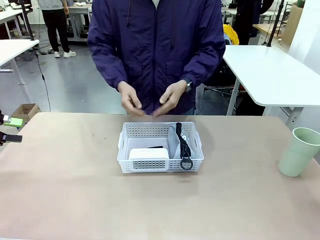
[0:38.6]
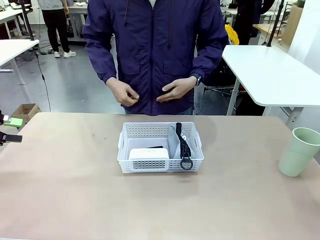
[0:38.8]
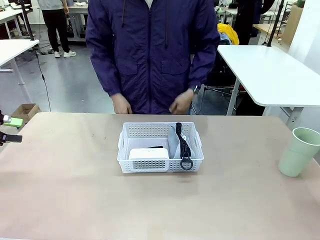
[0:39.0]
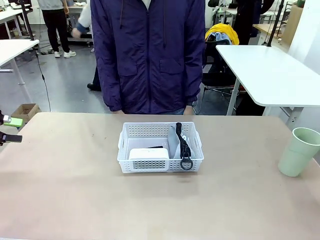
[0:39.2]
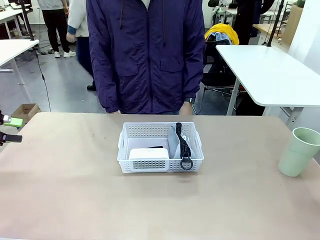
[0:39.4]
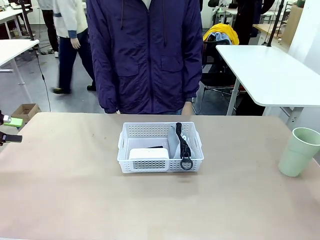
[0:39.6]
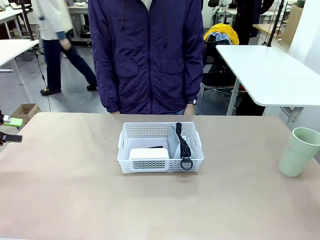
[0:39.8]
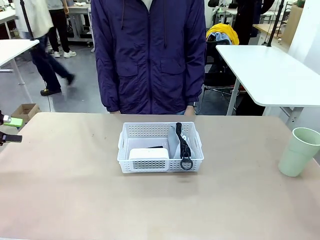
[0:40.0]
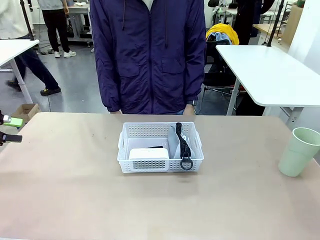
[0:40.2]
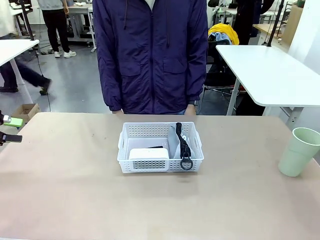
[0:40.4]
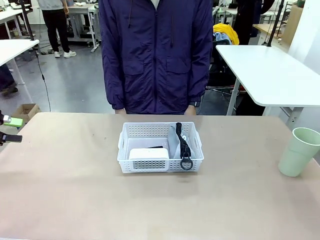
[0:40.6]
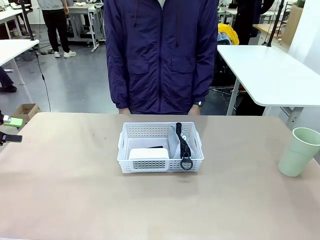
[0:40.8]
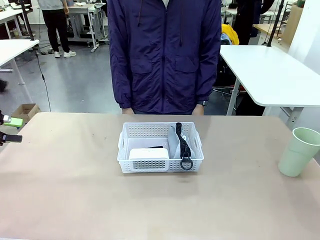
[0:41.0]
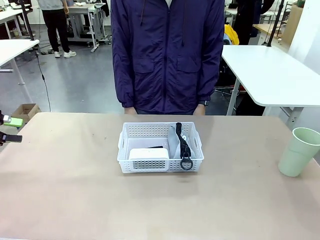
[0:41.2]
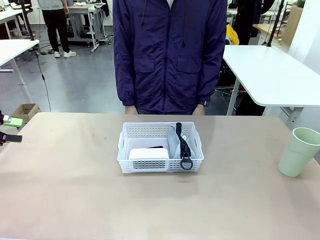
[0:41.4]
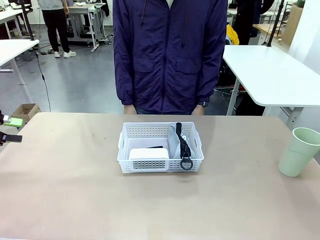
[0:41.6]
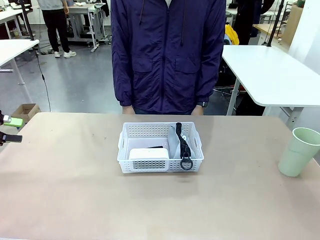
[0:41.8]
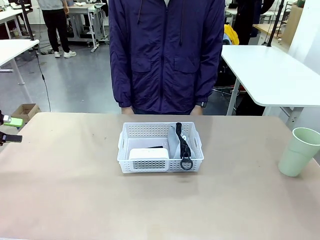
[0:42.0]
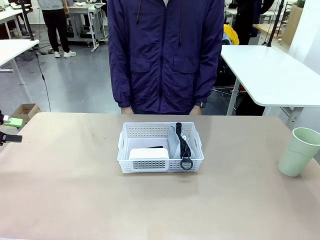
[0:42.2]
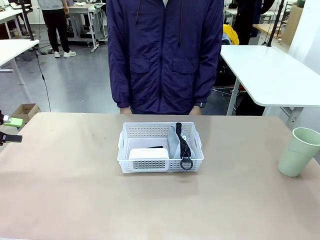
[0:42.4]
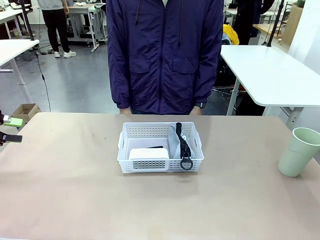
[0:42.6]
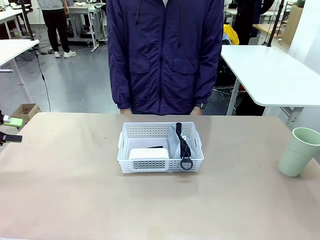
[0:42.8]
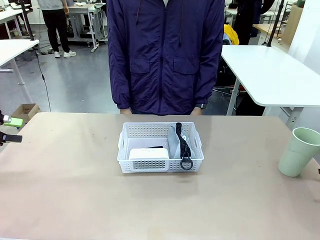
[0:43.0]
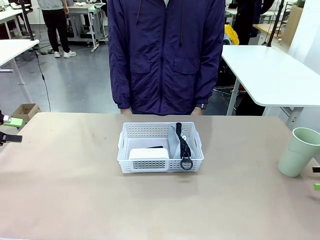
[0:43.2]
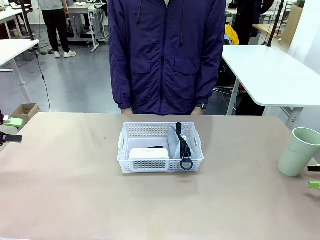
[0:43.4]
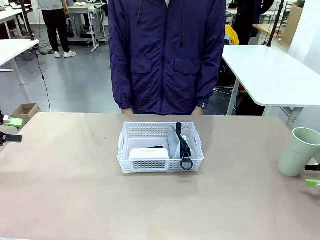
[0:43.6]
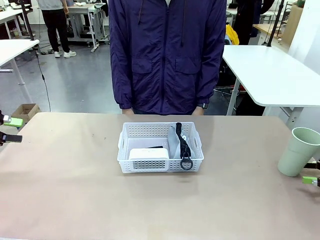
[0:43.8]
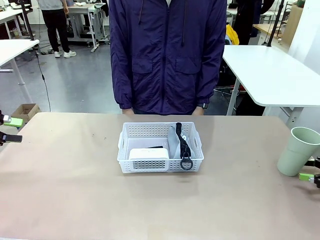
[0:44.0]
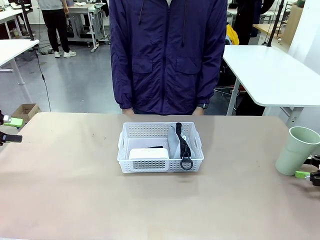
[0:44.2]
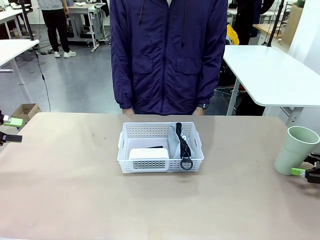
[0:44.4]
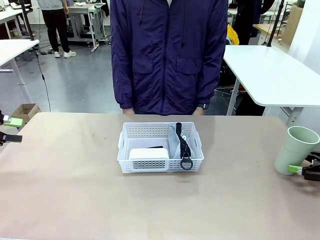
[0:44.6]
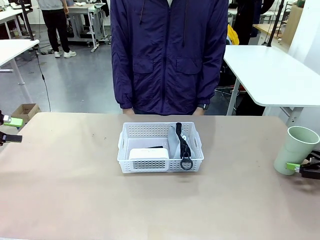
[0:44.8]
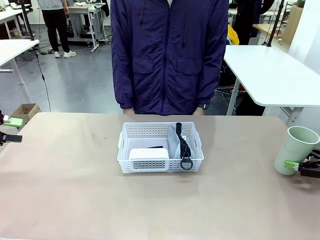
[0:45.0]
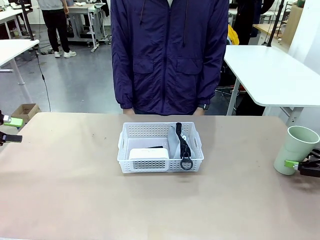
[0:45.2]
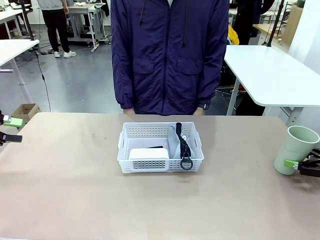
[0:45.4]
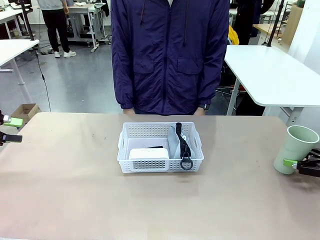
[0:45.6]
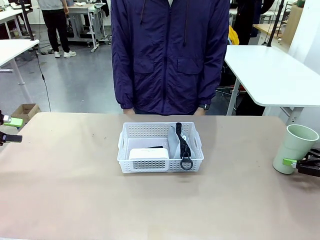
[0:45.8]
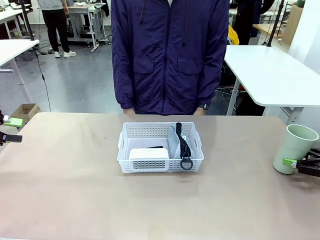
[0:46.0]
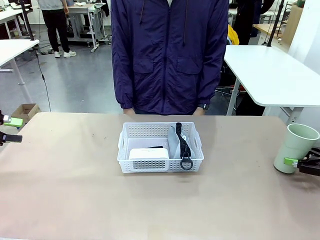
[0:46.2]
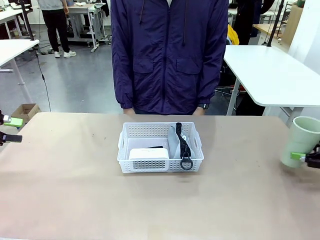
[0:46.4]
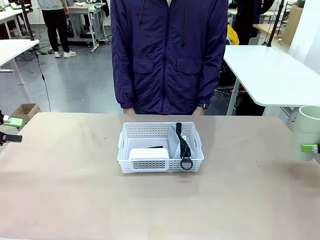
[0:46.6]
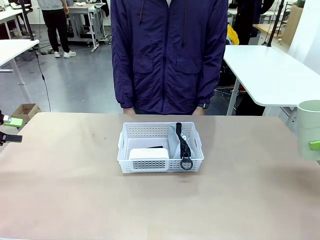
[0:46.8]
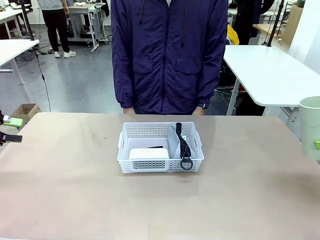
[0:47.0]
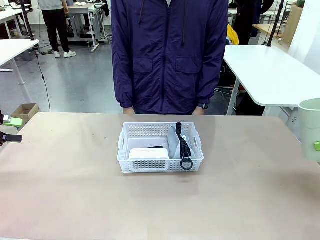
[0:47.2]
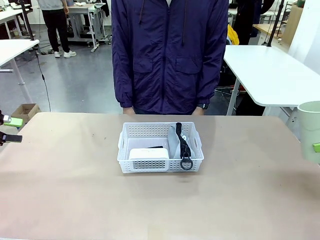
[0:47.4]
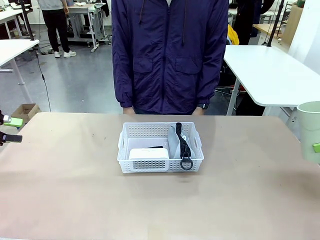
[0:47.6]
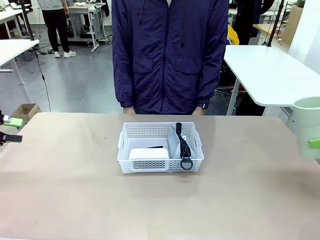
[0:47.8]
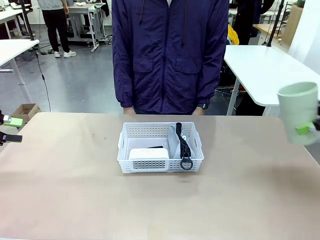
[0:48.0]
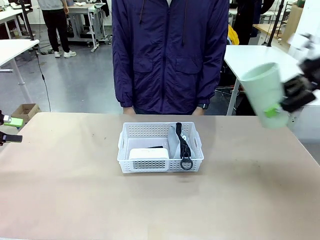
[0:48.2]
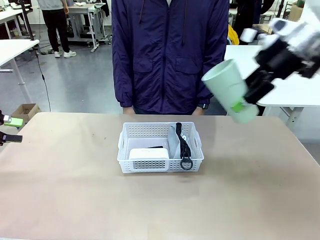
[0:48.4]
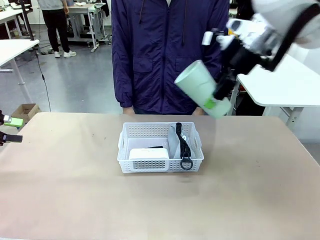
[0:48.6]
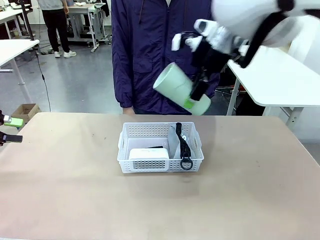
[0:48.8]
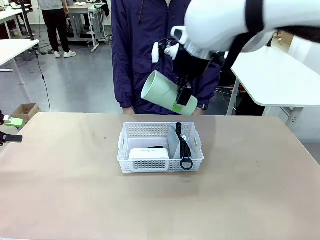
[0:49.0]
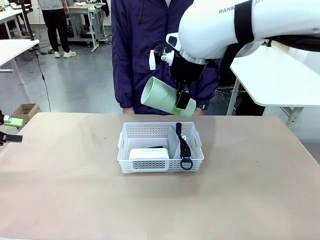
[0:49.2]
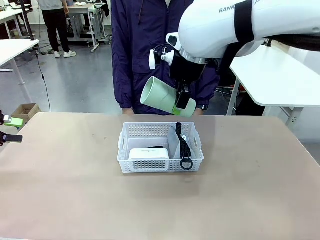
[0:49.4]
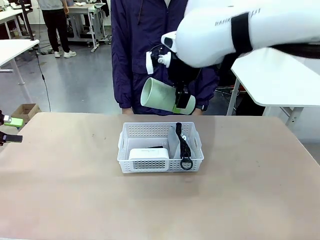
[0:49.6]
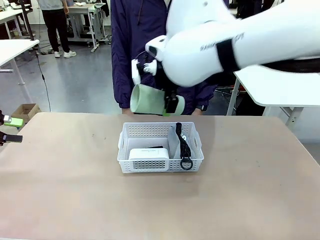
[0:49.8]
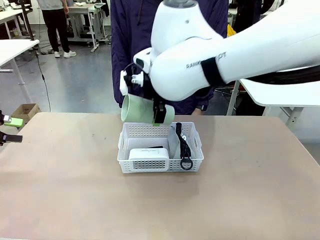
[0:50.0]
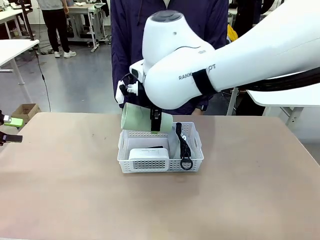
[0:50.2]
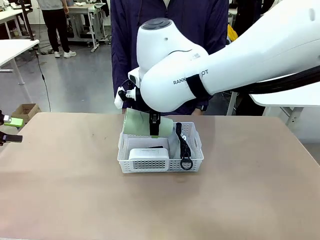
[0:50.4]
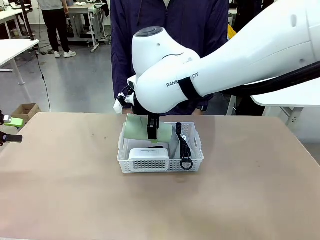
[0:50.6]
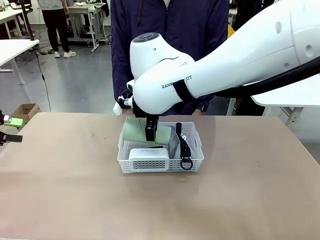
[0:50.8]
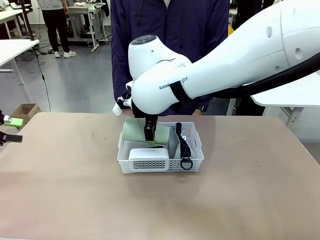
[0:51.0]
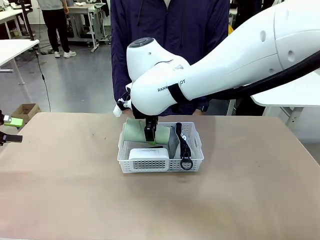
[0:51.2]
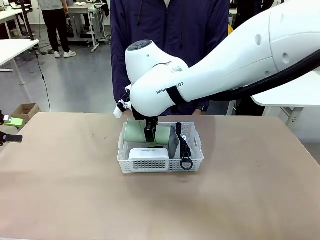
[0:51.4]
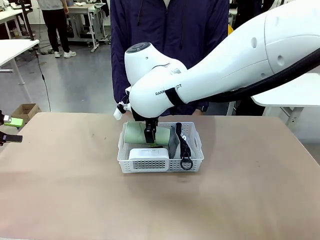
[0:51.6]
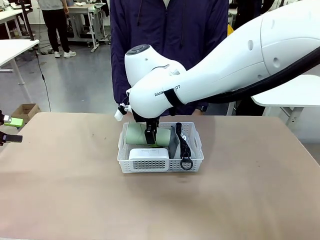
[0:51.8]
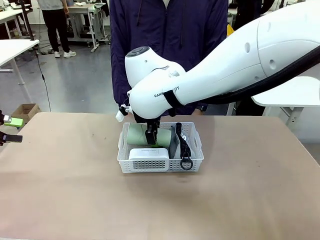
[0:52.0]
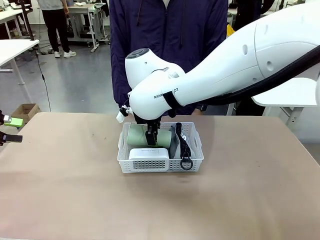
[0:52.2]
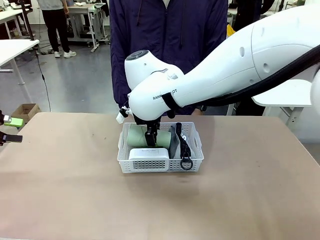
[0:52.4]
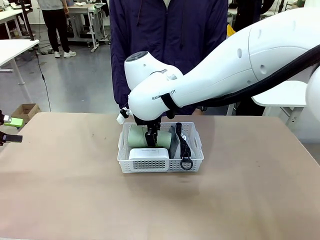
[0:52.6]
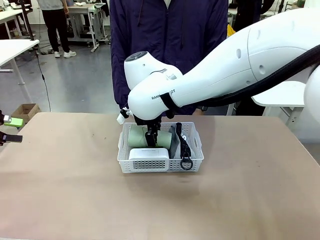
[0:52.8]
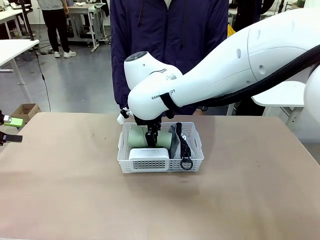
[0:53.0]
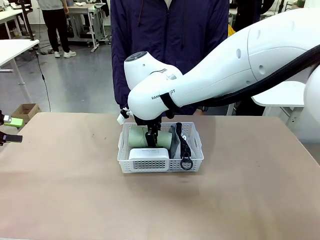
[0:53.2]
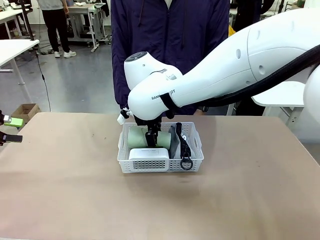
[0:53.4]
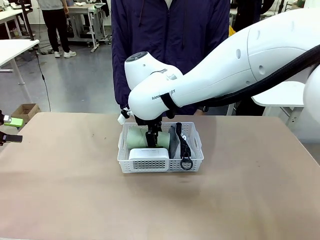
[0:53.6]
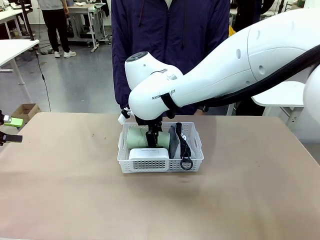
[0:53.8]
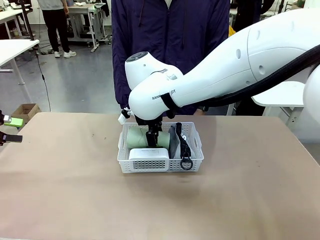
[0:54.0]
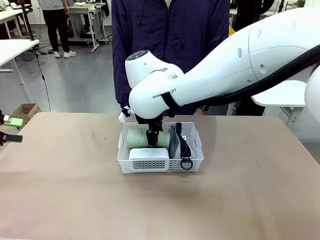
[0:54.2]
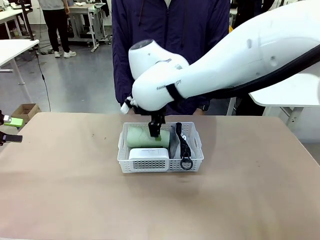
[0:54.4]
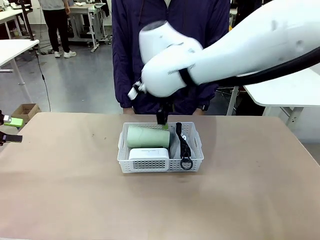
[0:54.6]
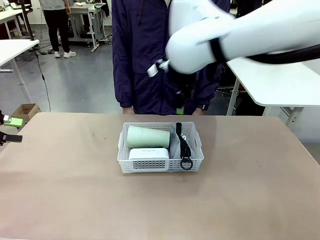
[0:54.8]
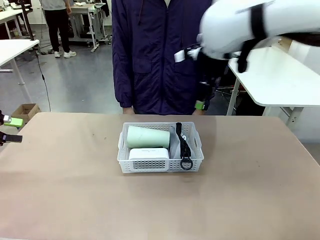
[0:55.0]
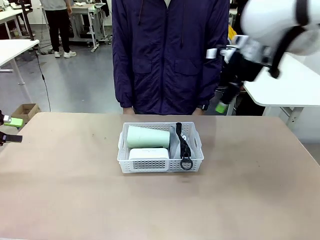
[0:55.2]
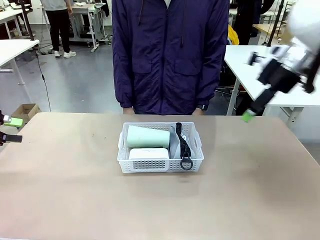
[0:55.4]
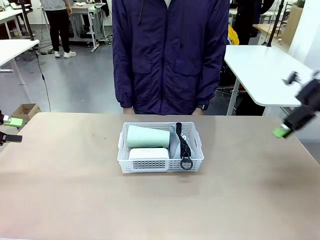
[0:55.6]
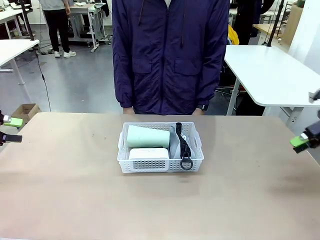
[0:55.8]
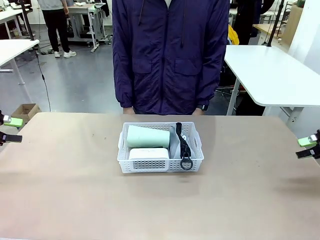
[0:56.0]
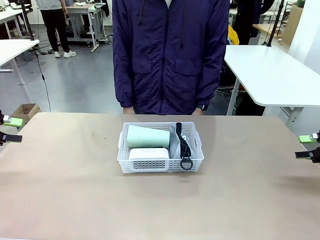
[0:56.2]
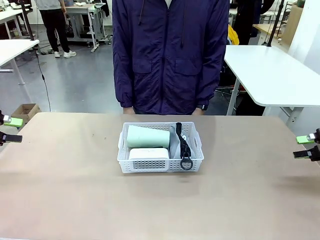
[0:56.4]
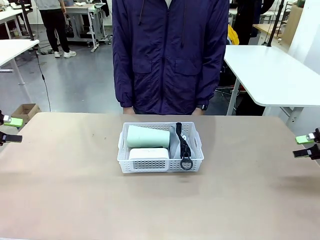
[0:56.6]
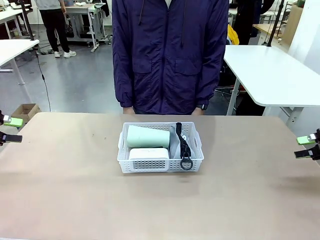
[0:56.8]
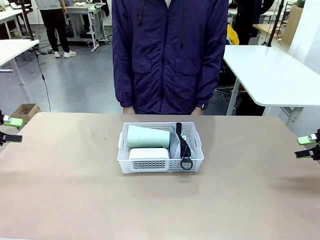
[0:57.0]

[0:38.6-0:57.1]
Task: Efficiently arrange items inside the basket to fit them all.
Robot: Pick up the Reusable plastic cup and place it inside the Organizing basket.
Person: Repositions the stapler.
